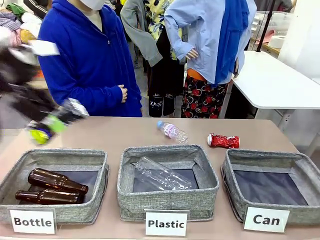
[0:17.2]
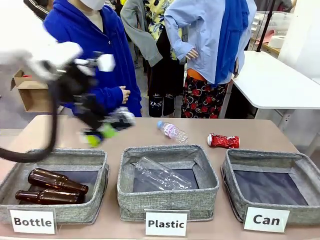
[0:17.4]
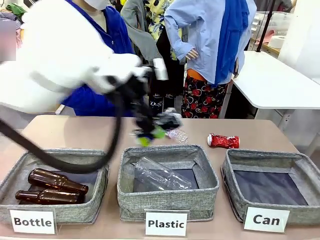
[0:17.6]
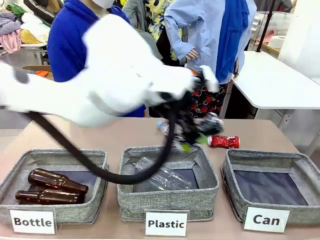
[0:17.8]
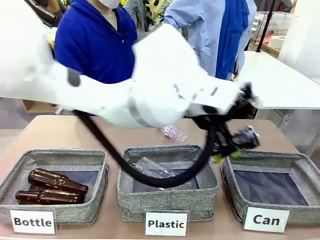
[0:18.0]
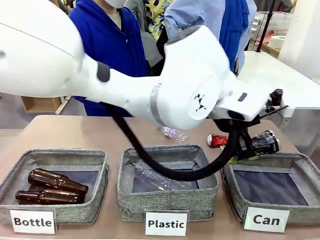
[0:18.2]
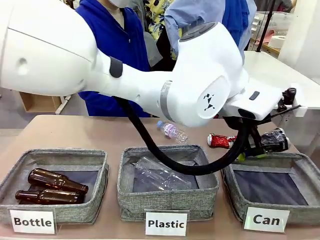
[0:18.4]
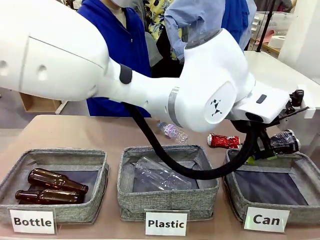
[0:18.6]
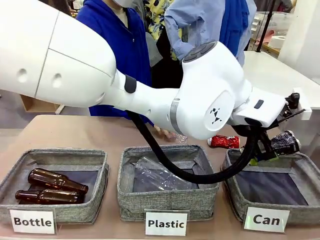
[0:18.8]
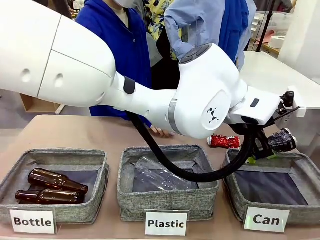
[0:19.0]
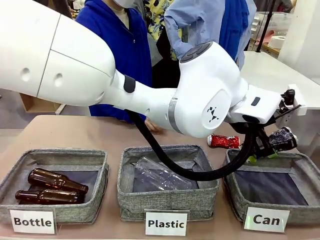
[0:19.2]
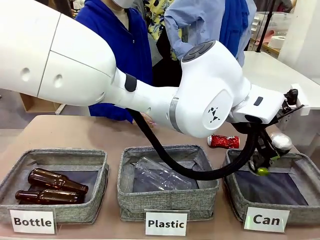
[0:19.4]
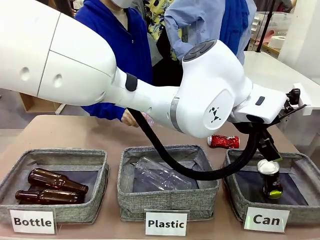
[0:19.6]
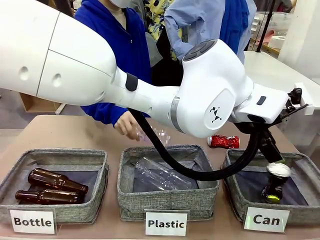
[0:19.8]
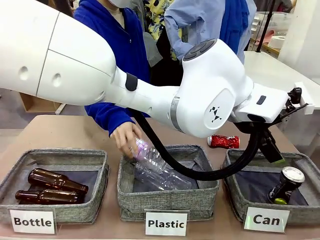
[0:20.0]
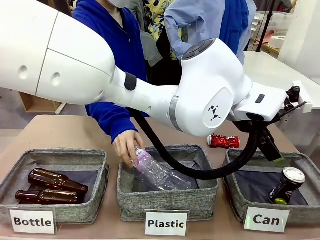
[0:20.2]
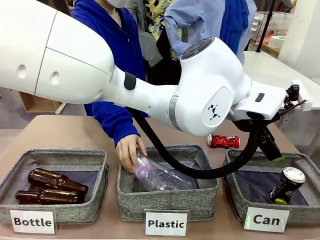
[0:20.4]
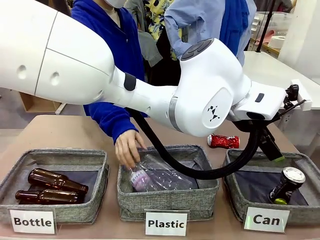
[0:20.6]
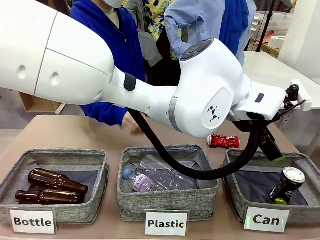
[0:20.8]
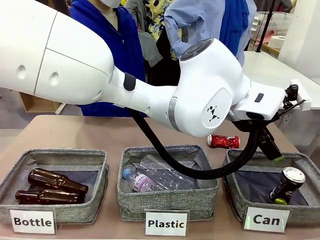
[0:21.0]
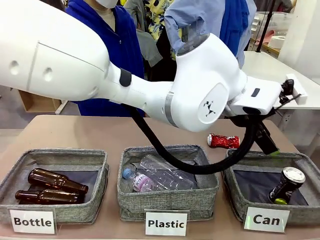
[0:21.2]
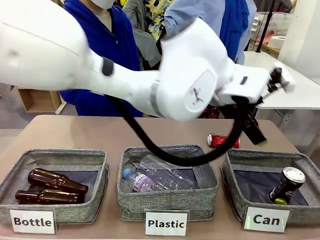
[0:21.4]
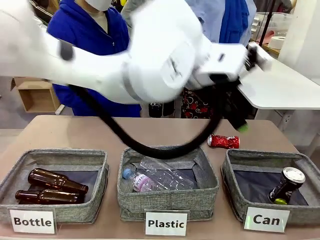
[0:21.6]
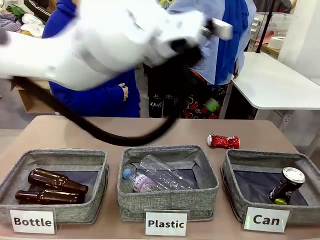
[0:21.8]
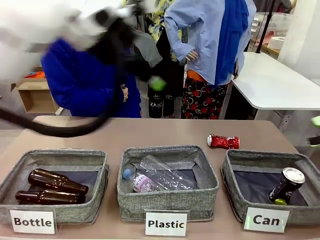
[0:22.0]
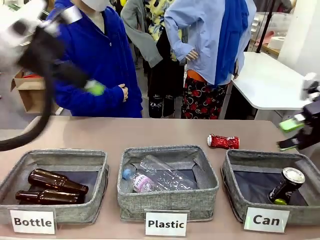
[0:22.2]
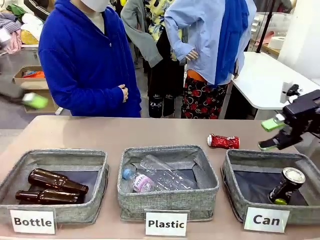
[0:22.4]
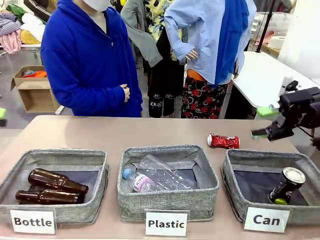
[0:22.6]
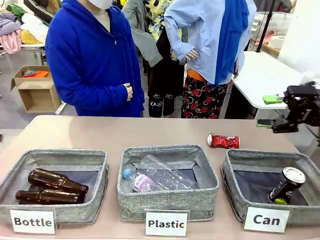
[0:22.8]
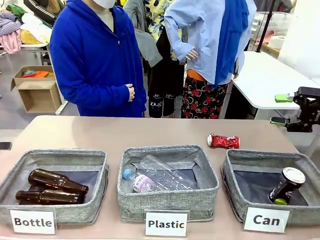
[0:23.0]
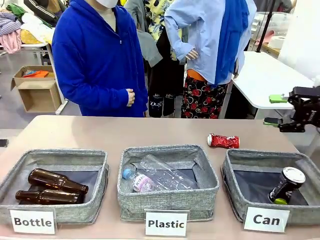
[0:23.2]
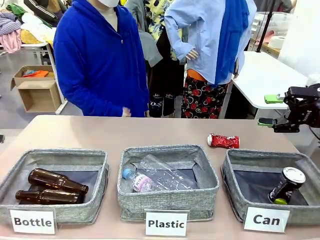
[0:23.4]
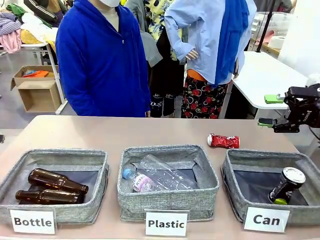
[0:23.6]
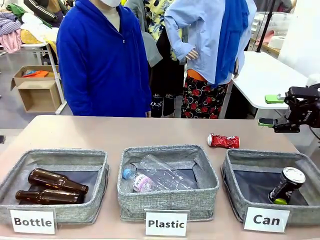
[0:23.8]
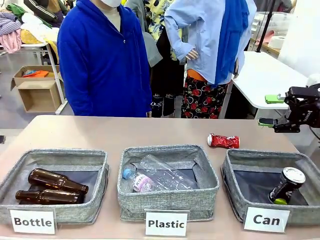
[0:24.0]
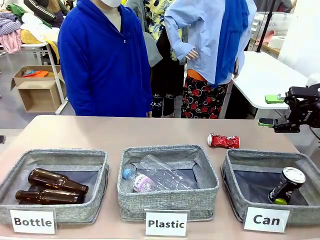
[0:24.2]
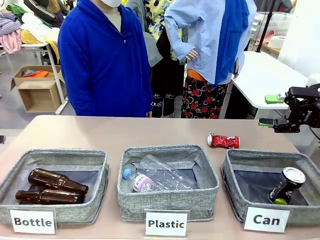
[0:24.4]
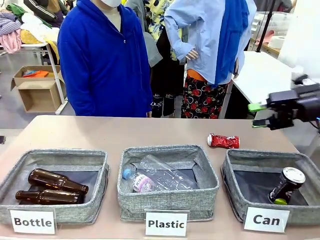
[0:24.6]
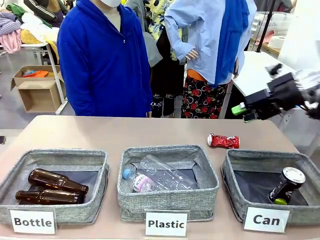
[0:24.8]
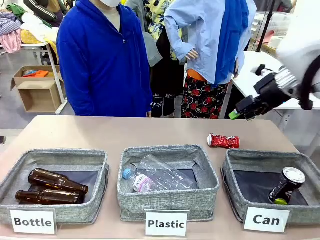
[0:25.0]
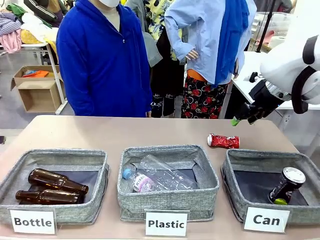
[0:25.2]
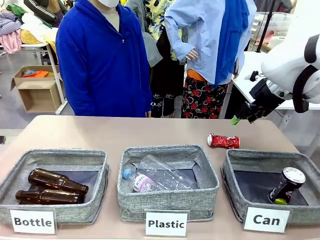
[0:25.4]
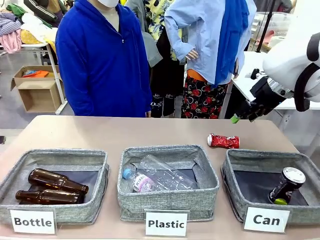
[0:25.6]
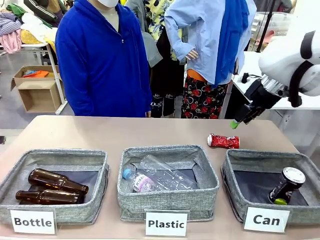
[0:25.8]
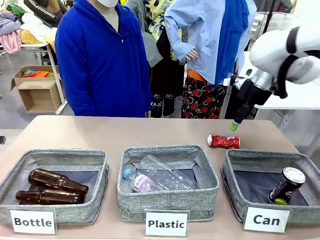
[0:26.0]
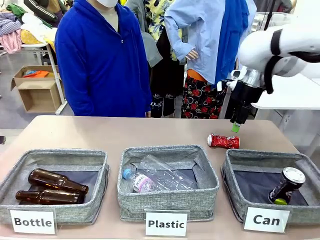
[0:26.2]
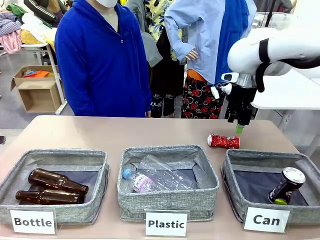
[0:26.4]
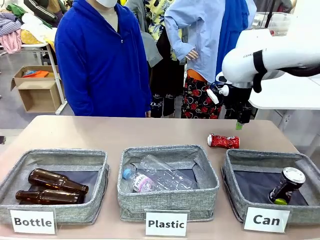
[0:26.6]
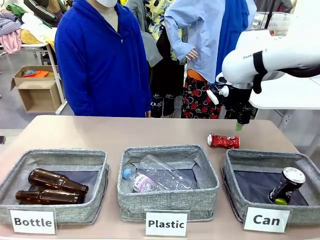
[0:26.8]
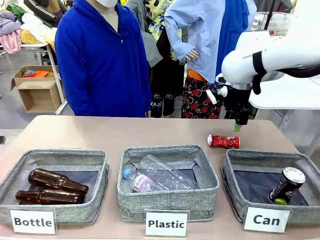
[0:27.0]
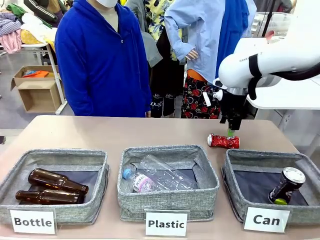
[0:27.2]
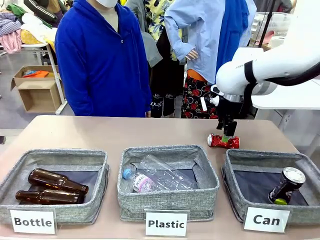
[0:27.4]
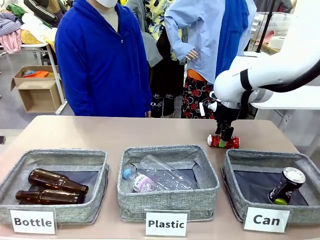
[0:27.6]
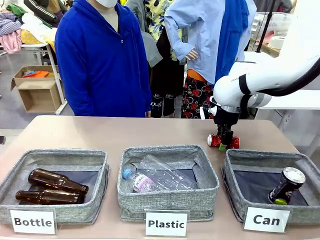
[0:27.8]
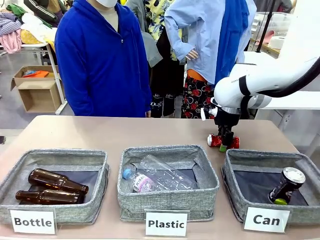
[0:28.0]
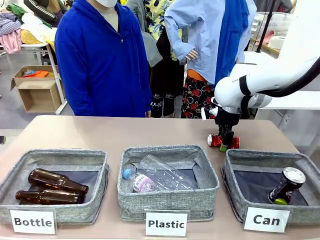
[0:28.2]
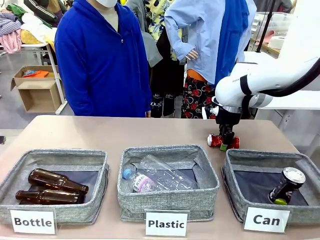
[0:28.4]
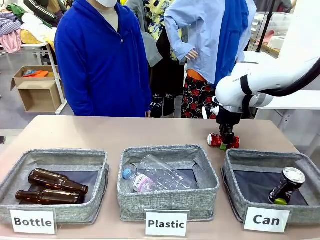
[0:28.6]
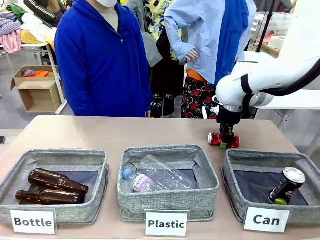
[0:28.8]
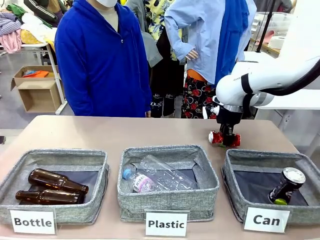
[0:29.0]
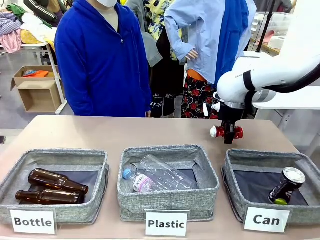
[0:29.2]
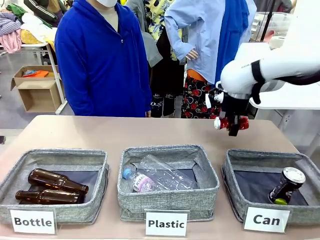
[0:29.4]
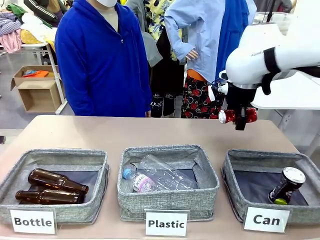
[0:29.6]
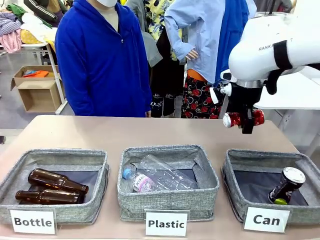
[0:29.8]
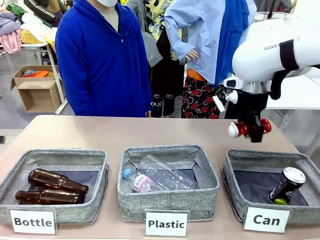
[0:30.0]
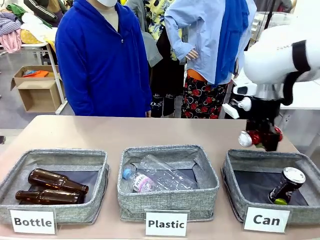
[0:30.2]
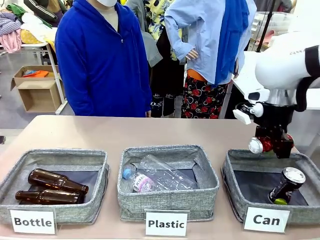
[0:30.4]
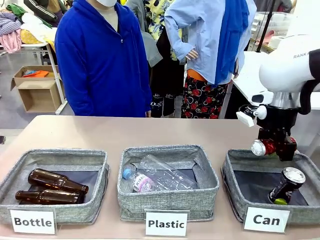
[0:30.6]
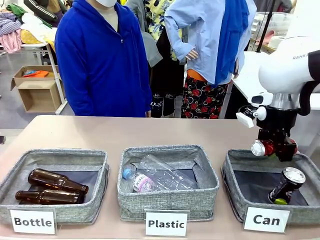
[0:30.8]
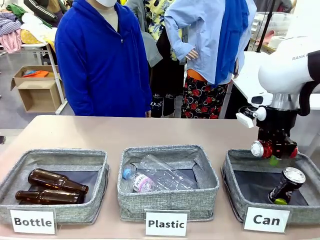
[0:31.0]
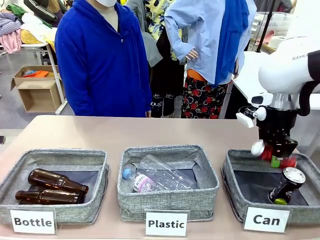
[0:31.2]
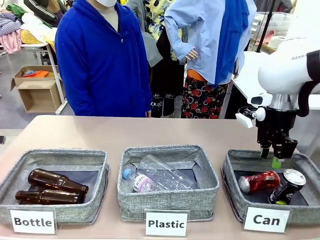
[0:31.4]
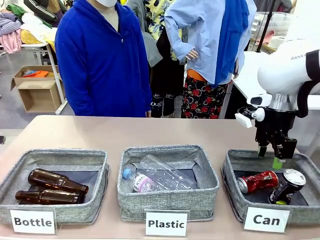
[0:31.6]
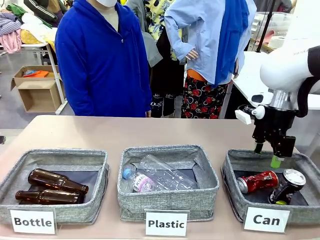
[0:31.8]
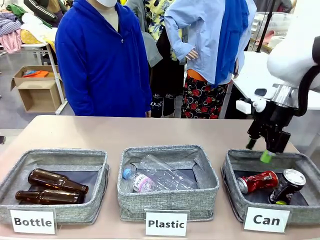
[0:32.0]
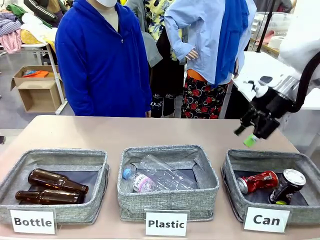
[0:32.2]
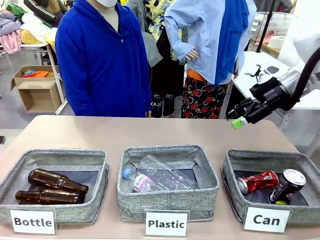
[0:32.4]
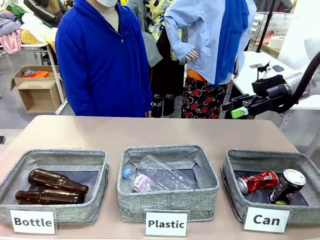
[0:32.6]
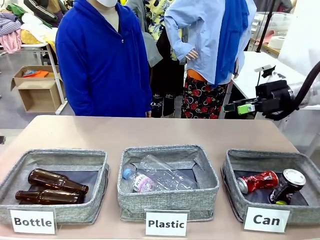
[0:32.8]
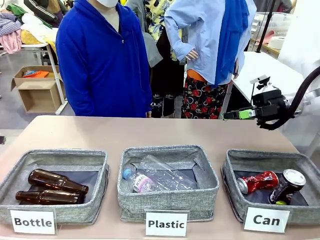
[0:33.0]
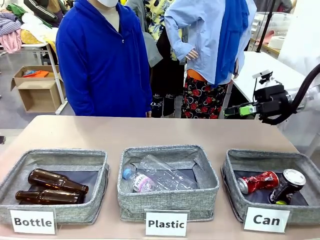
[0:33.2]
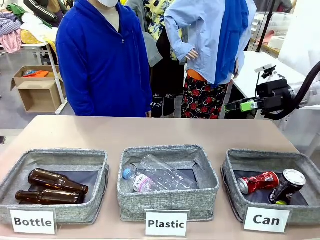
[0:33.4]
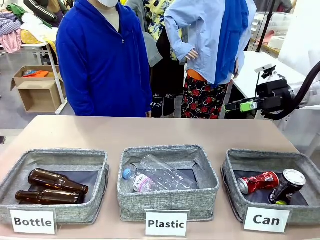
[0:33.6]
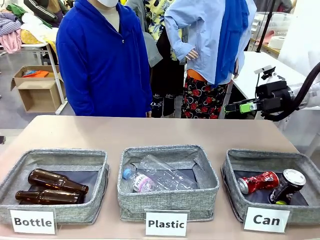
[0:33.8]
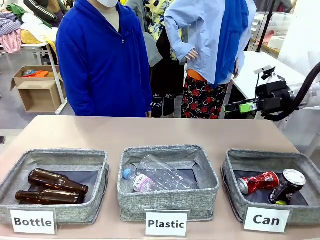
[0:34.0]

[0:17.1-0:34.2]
Task: Sort the can waste into the basket.
Robot: Pick up the can waste from the table and place it in the right Fabric basket.
